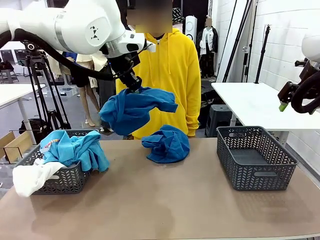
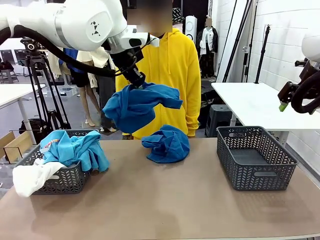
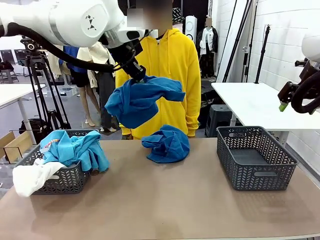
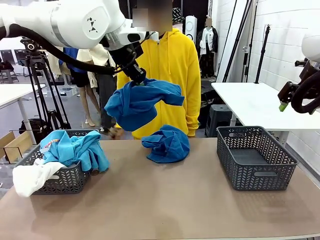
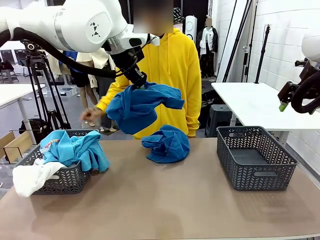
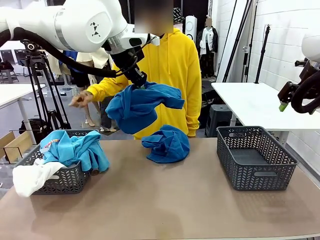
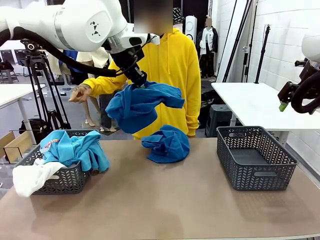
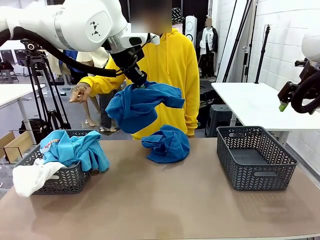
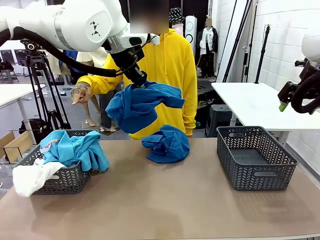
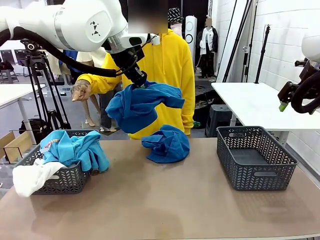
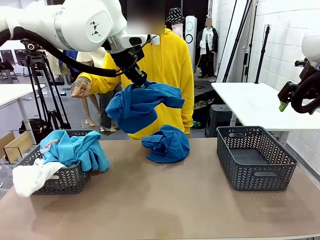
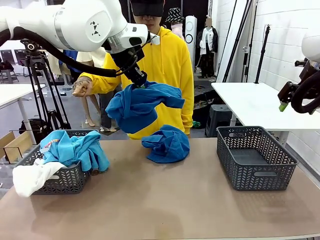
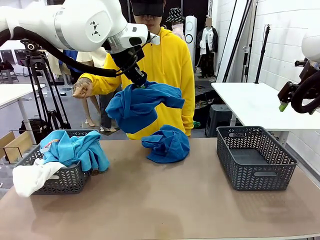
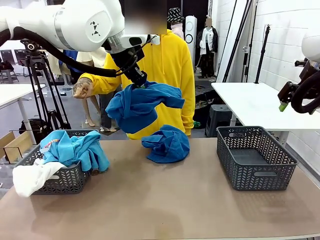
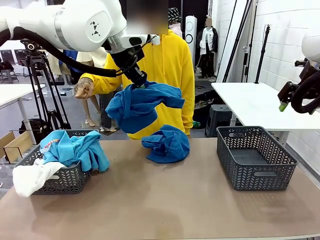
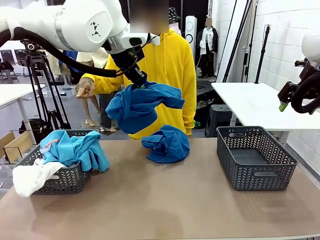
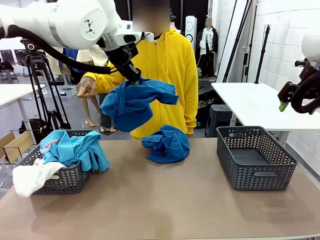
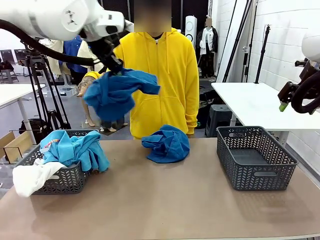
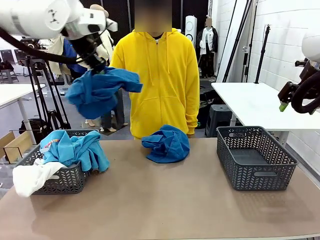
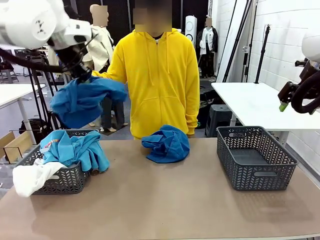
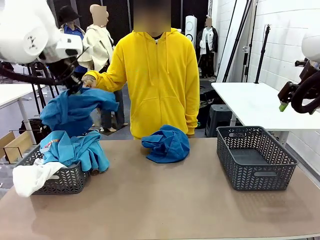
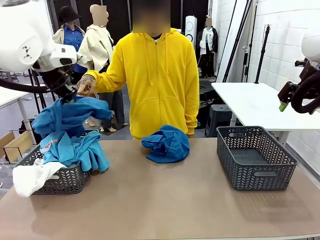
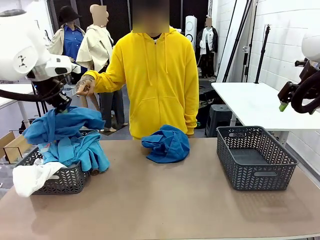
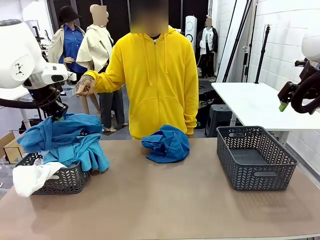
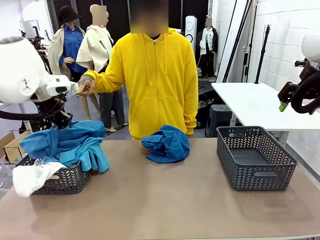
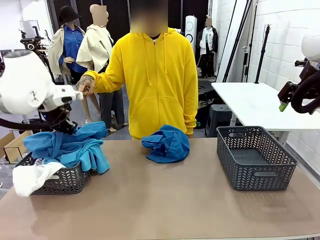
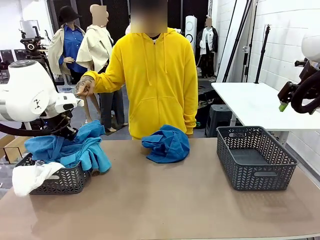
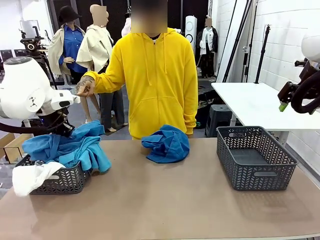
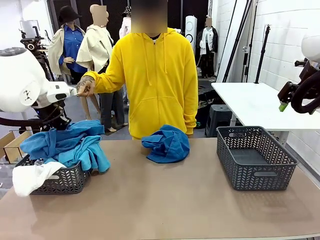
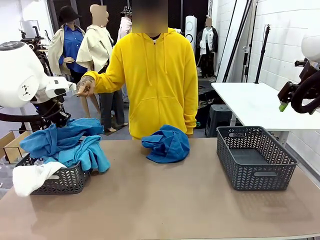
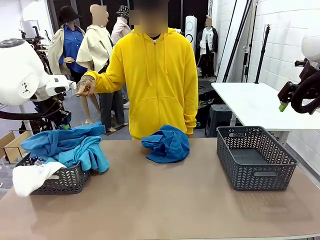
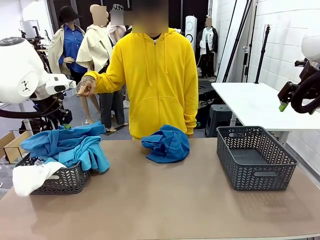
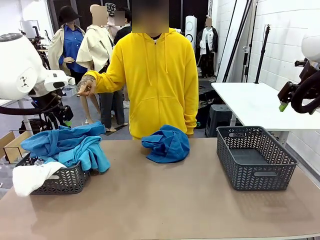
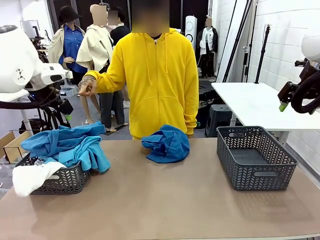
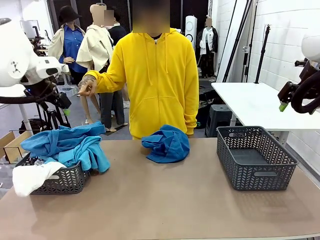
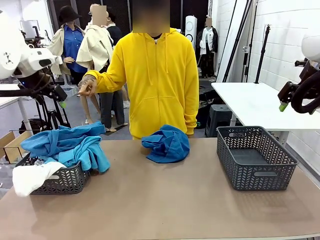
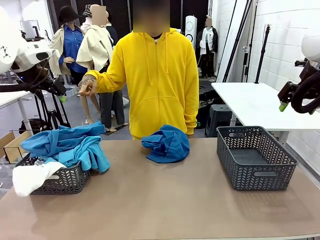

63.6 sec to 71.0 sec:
Task: Sort the tops and bottoms.
Robot: Sort the clothes according to human instructions.

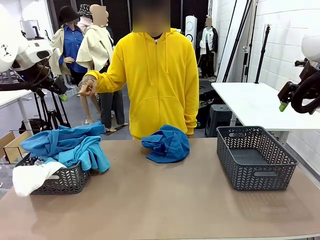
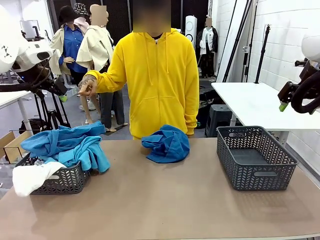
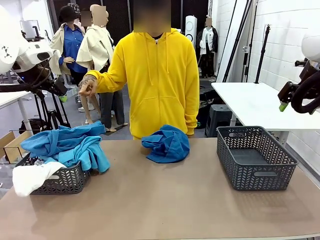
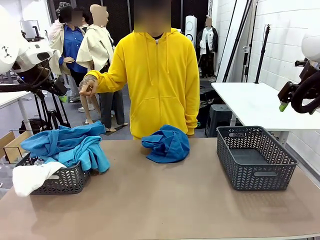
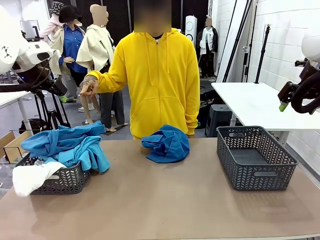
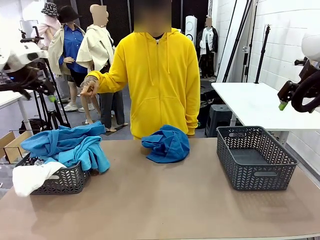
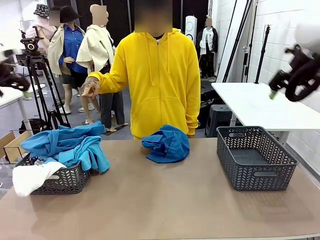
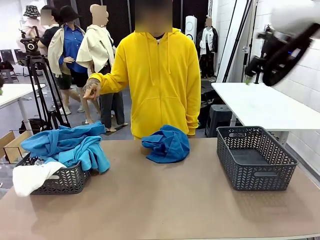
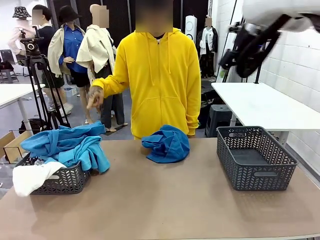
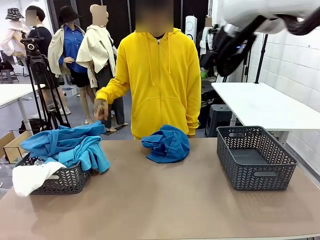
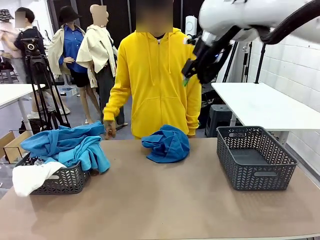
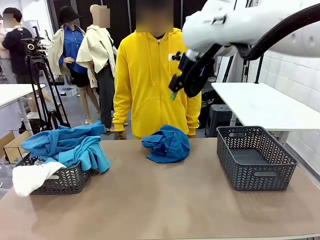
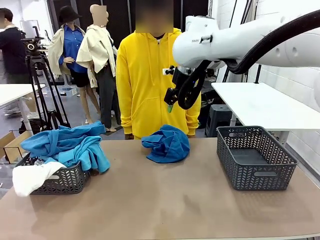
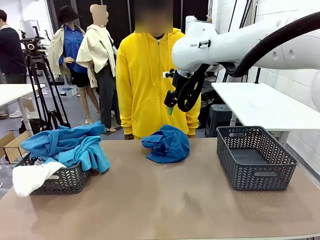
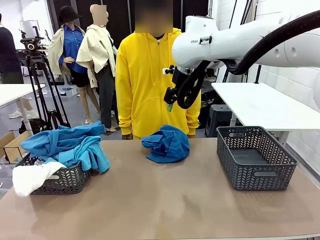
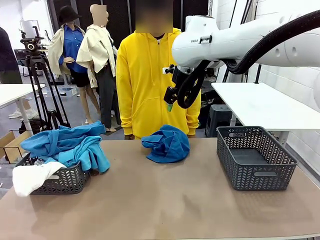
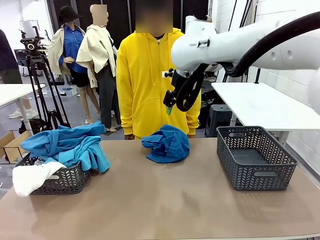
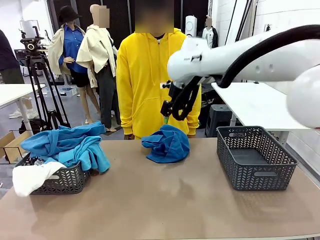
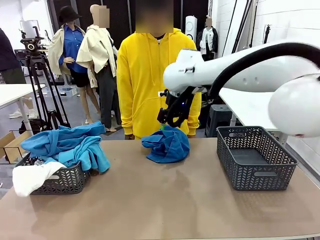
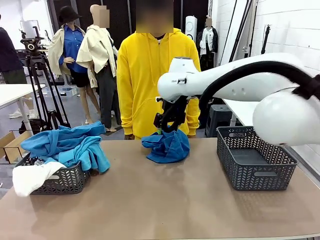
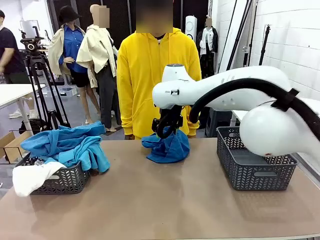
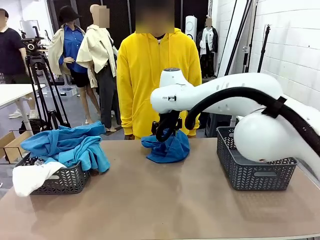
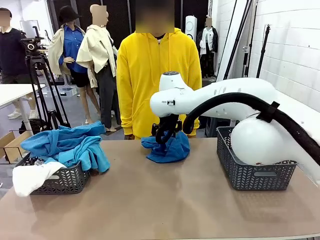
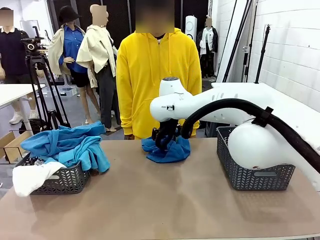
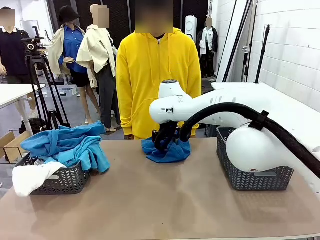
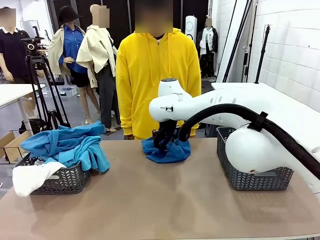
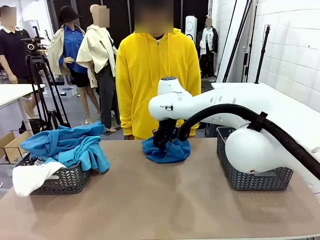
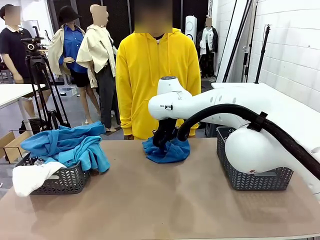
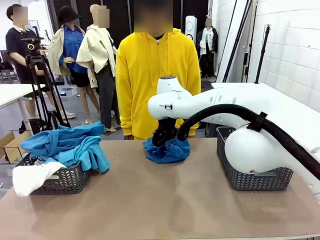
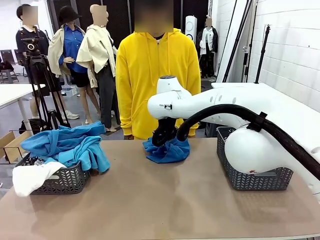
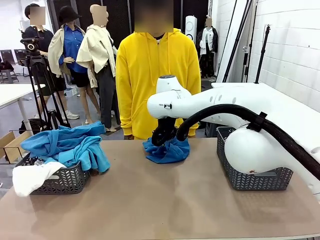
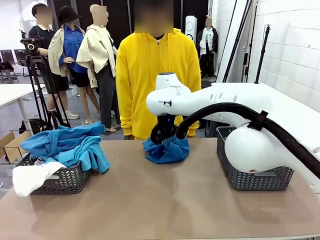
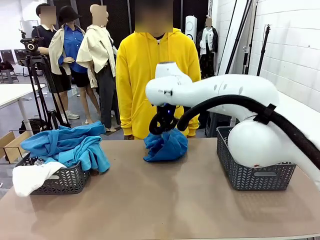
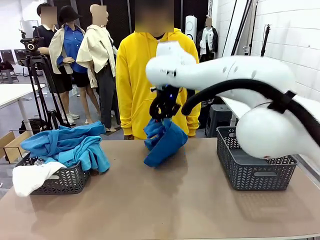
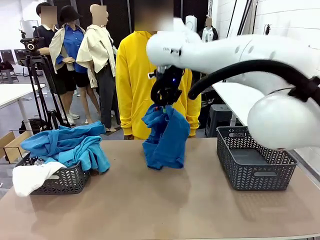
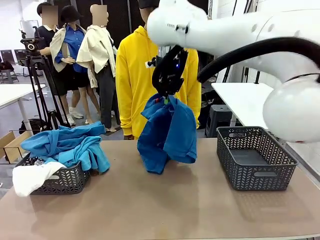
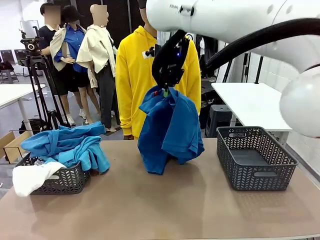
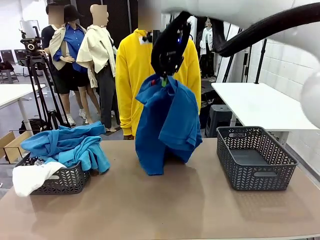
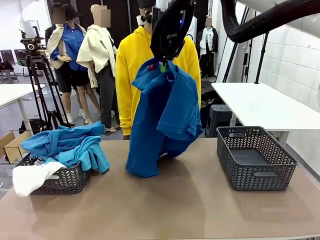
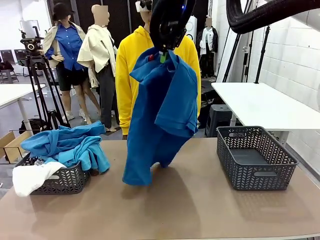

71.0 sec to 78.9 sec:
Robot: Lift clothes from the center of the table with your right hand.
